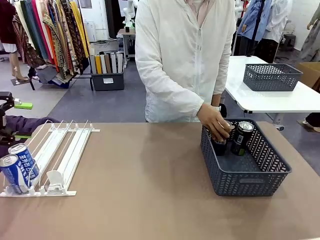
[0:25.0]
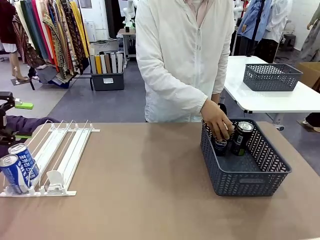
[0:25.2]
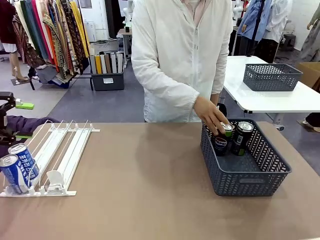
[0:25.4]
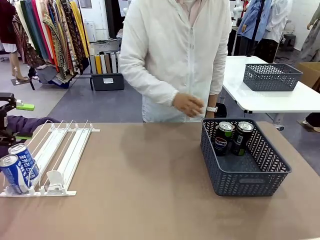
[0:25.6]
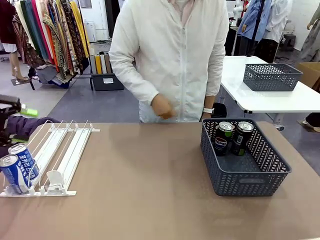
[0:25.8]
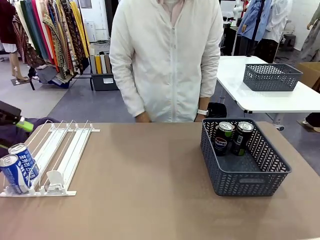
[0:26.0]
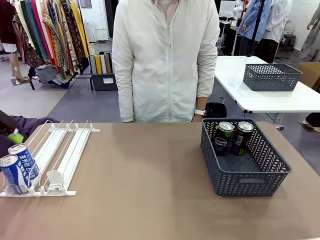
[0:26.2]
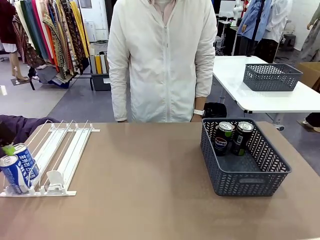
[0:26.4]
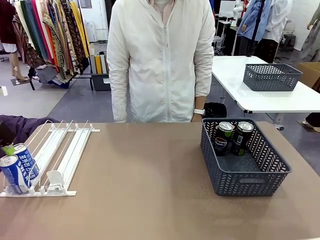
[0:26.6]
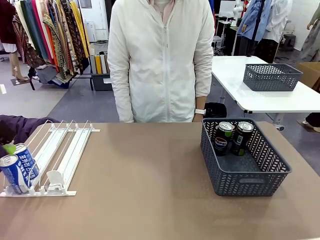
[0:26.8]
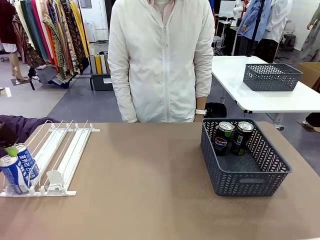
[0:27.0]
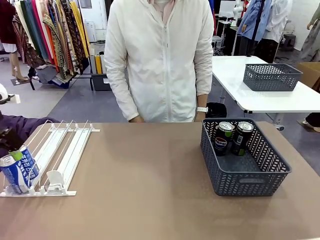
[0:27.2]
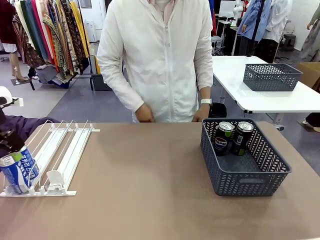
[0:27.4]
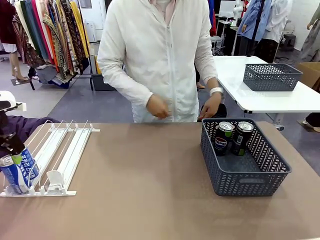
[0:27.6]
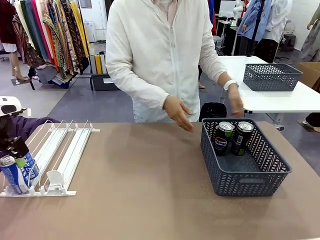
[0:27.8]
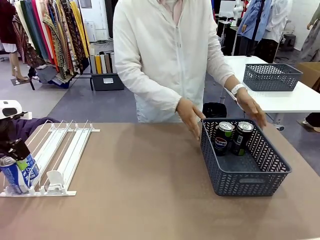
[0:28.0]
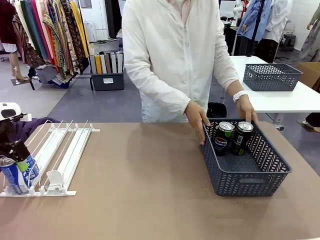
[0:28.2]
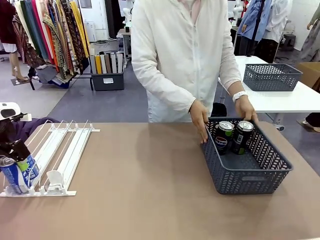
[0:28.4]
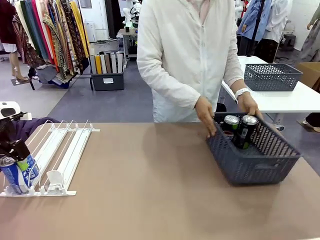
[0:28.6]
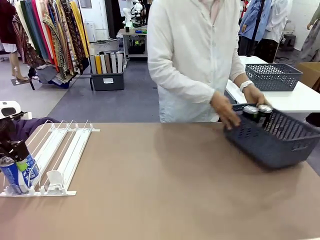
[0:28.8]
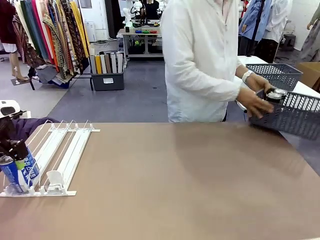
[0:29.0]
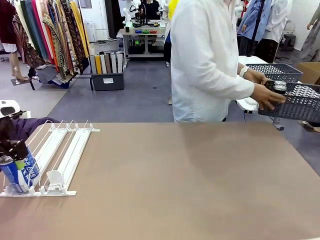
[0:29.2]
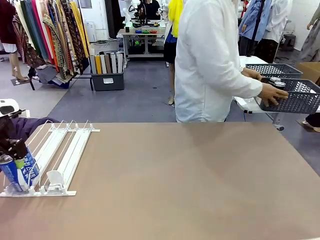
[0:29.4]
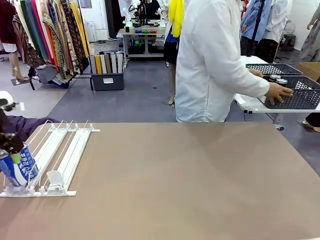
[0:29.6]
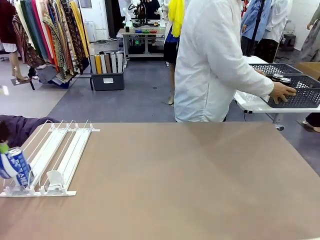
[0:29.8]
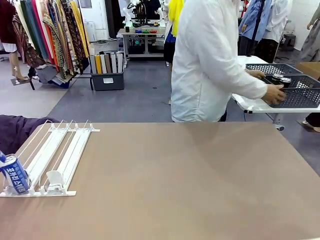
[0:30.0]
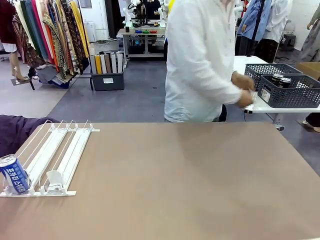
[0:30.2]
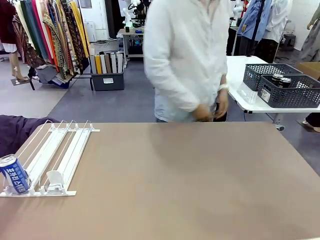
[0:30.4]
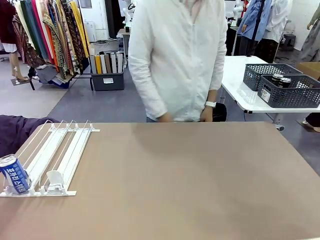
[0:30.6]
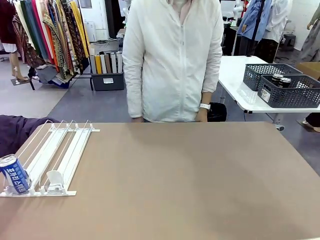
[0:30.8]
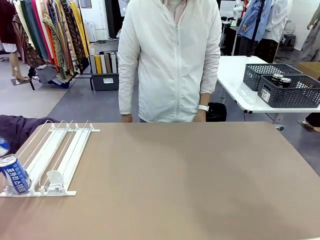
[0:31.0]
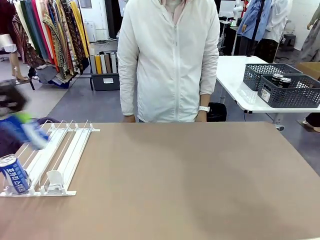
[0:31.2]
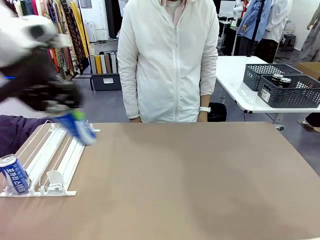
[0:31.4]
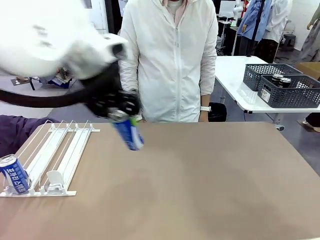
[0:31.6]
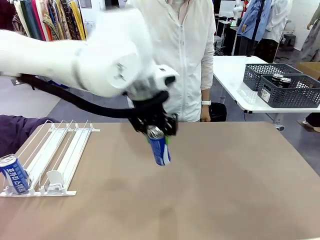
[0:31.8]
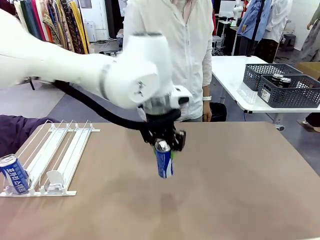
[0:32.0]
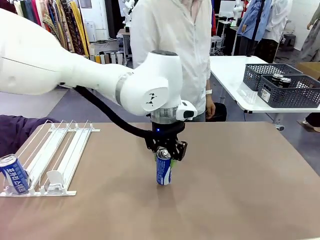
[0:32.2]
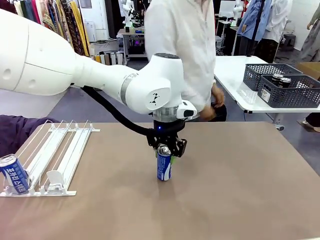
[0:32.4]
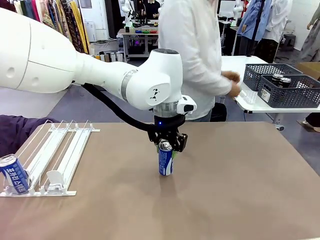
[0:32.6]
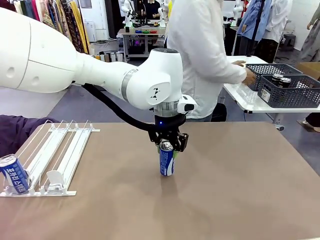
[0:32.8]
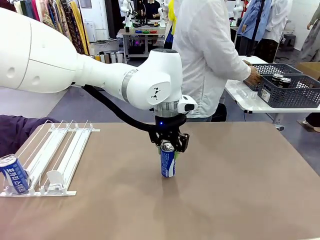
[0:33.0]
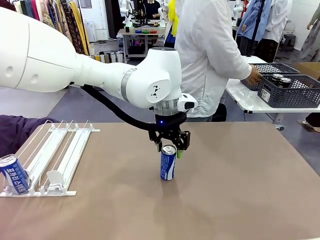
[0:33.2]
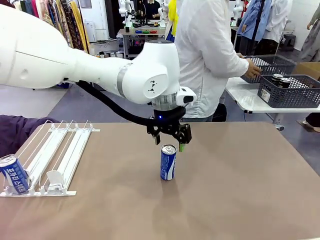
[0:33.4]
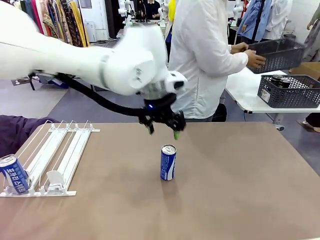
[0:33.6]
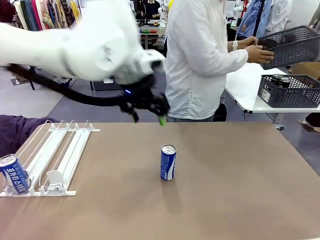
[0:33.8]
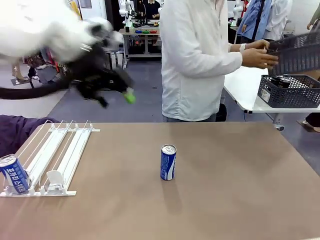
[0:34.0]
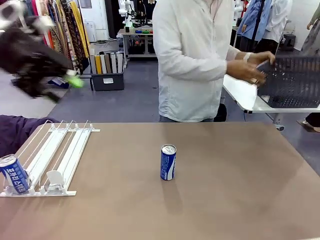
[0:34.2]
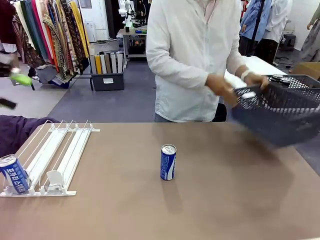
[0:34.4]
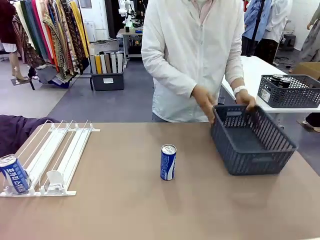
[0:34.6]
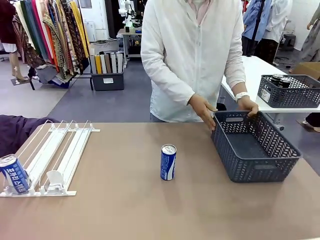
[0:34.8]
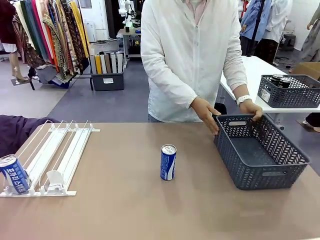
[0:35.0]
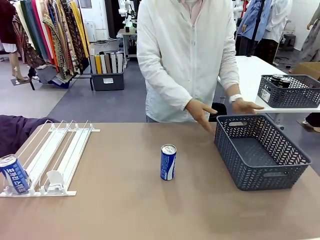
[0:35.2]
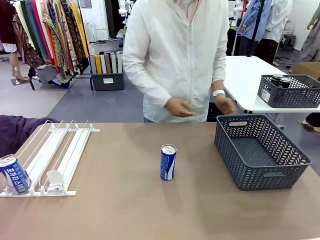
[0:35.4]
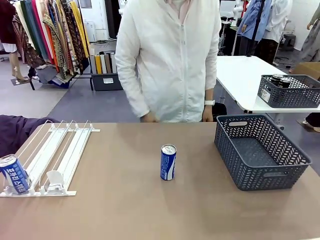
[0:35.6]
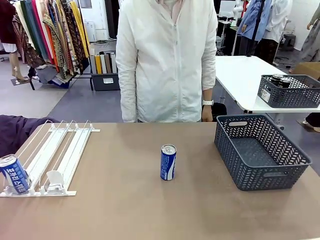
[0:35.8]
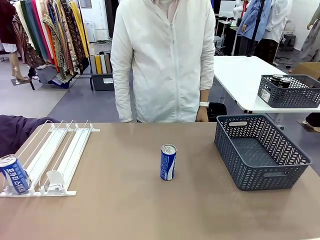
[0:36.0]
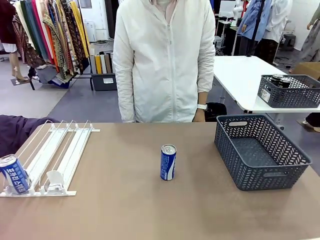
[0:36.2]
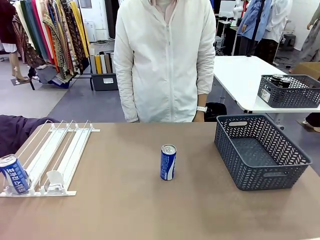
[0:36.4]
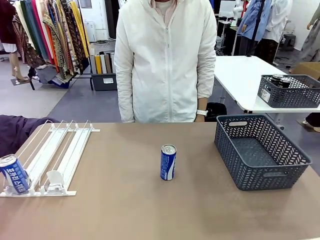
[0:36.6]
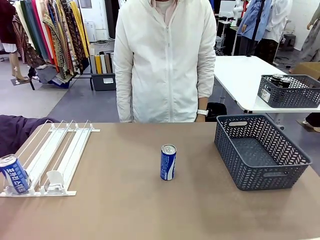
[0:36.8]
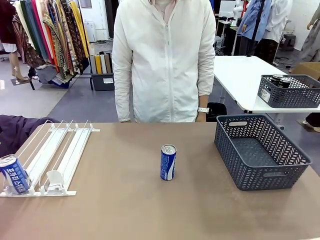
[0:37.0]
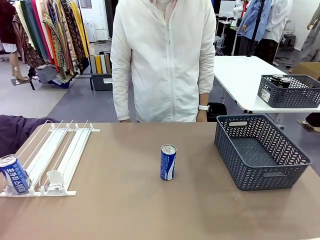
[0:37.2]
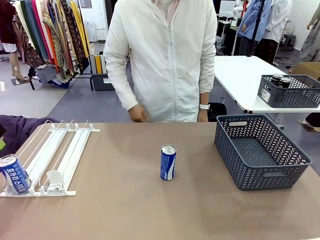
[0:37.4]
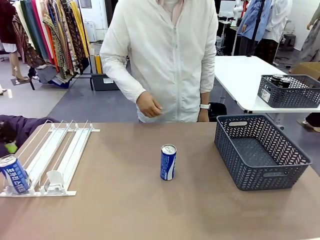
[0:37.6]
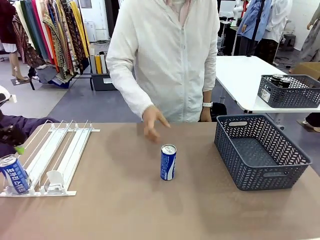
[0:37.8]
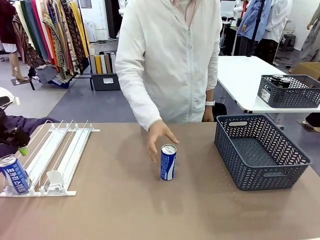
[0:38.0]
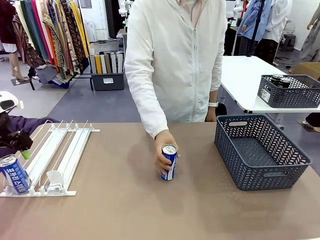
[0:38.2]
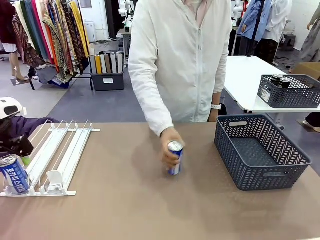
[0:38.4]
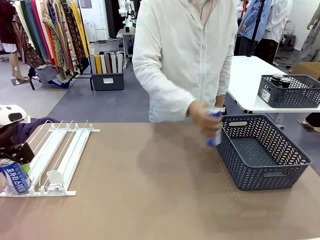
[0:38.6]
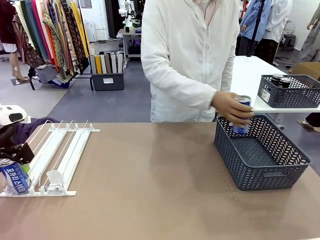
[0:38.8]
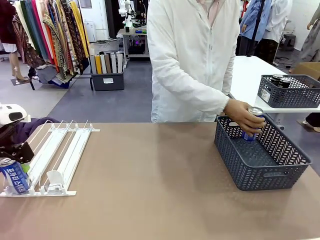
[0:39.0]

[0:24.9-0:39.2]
Task: Retrieve and store the cans from the dispenser.
Robot: Pick up one can from the Automatic Can Dispenser and place it in the middle of the table.
Person: Pick up the basket and place it in the middle of the human table. Pick up the empty basket and place it on the left side of the robot table.

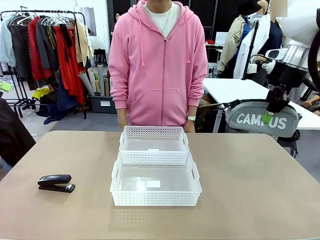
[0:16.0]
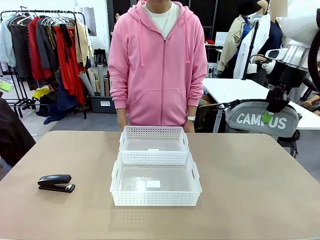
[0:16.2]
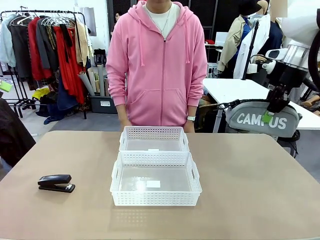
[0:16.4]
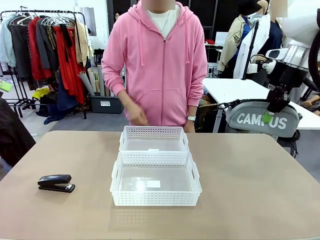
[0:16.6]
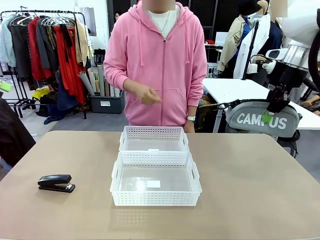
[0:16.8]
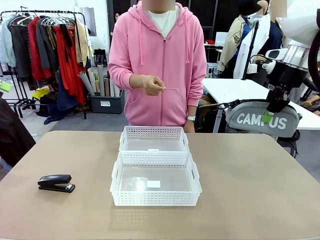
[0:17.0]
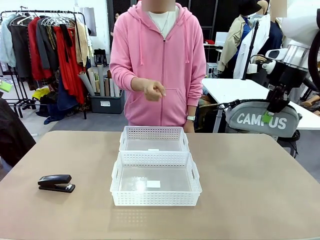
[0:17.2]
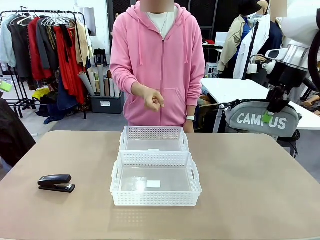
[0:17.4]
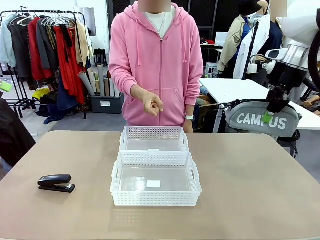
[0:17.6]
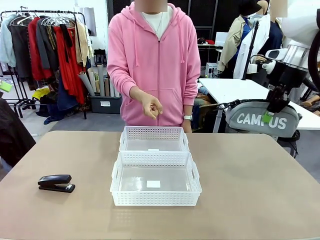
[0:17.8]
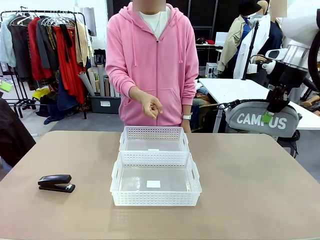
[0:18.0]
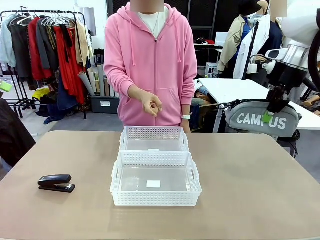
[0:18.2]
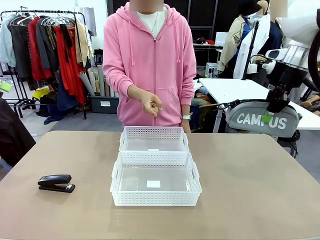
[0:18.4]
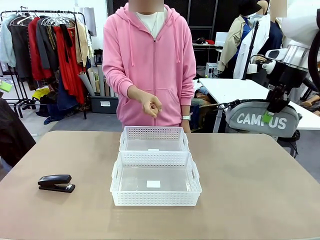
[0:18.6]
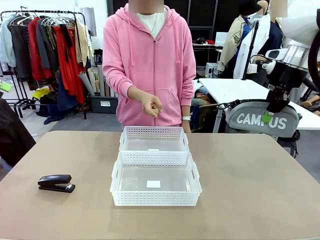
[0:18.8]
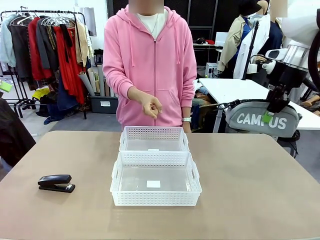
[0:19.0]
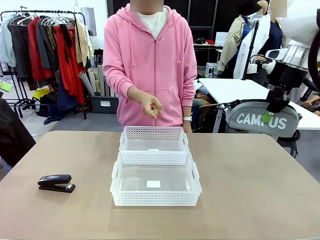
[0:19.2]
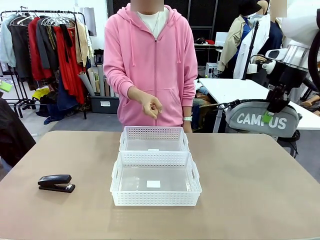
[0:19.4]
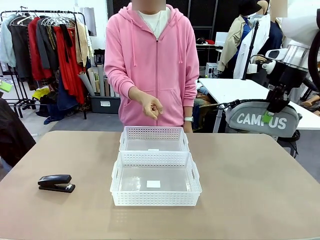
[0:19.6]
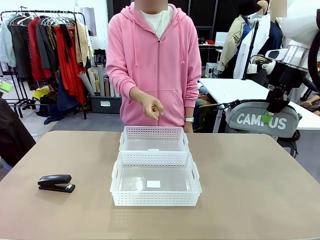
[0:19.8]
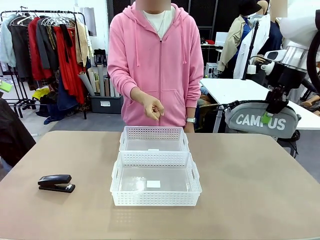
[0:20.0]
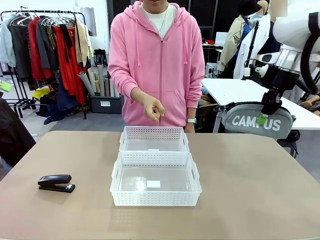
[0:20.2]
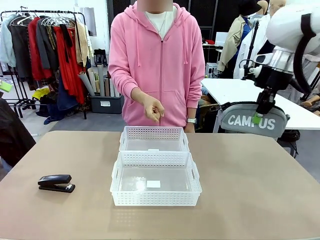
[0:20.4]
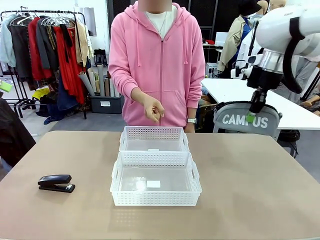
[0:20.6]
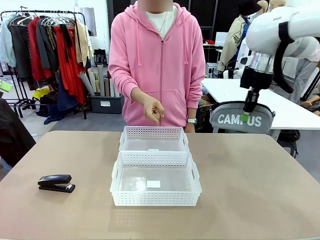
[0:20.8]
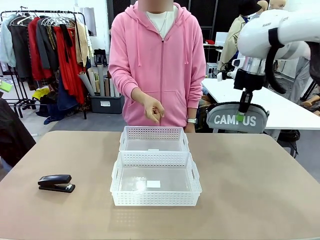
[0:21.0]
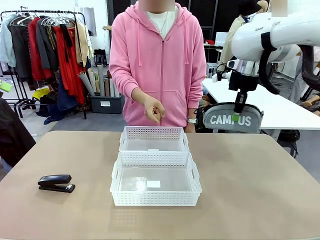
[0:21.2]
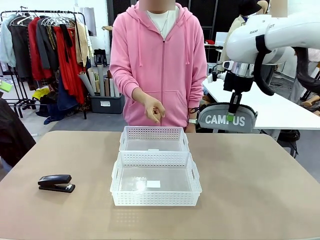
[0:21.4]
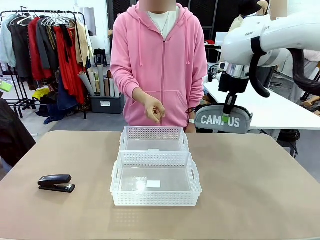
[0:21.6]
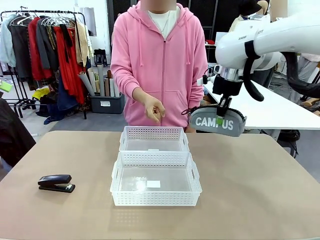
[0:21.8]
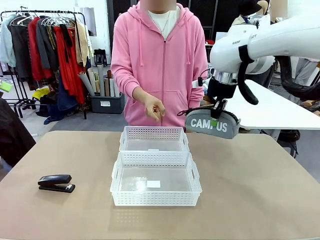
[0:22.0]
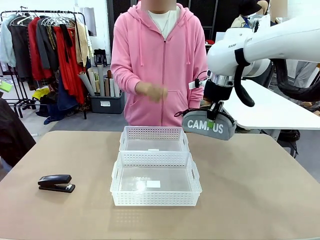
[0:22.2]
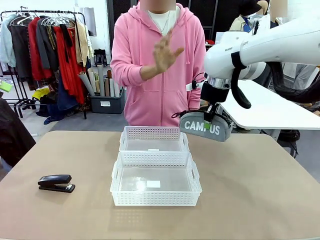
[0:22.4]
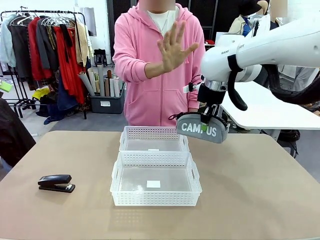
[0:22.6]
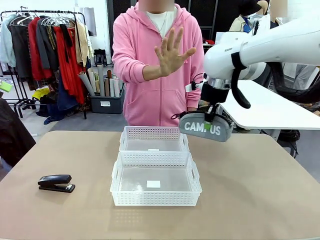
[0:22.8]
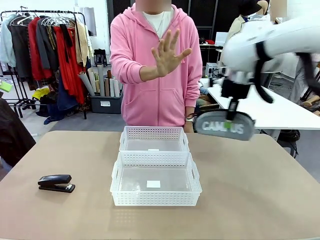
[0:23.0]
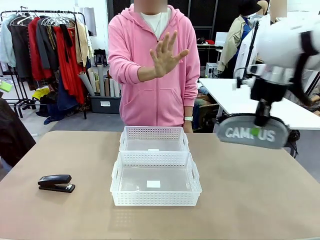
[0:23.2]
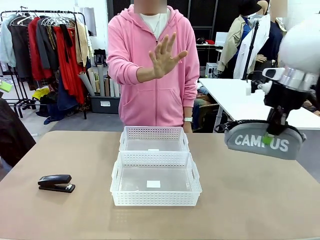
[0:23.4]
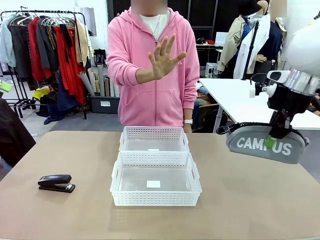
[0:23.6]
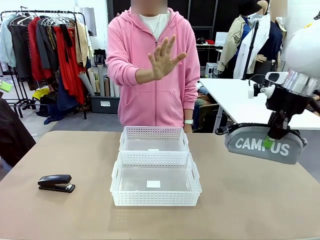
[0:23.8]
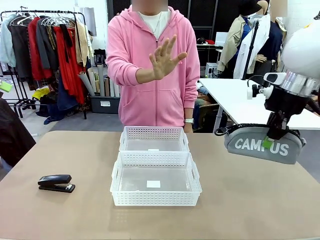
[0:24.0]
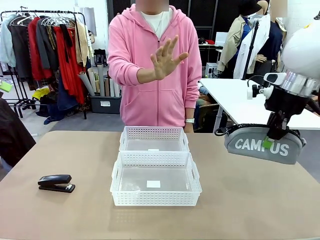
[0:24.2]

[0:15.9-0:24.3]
Task: Distribute items into two baskets.
Robot: Move the picked Pencil pouch towards the Organizing basket indicated by the person, stopping as directed.
Person: Sends a stop gesture before the robot places the pencil case into the basket.
